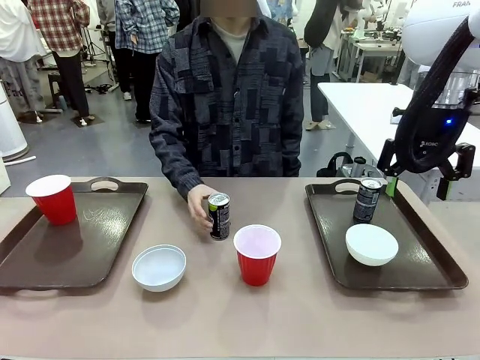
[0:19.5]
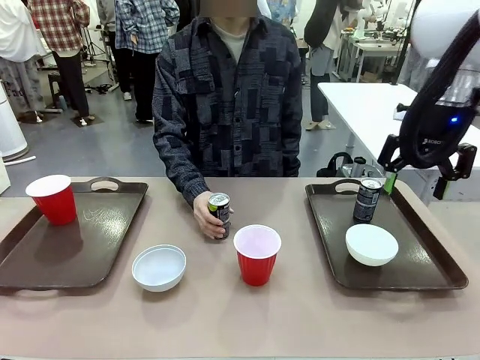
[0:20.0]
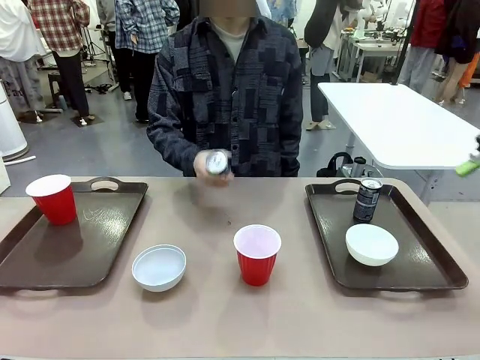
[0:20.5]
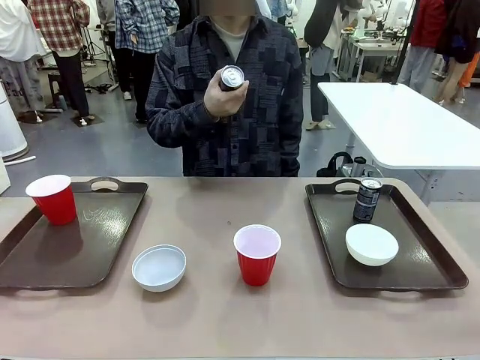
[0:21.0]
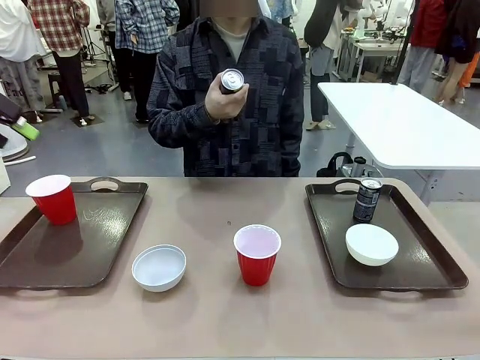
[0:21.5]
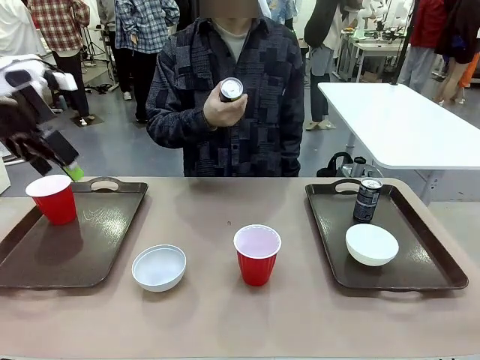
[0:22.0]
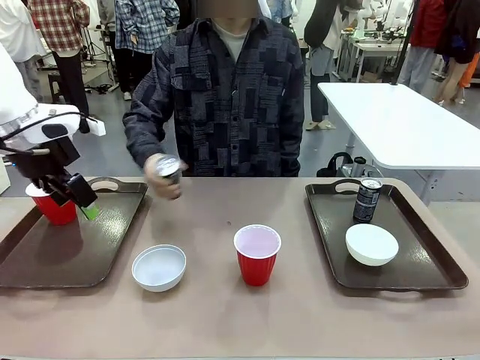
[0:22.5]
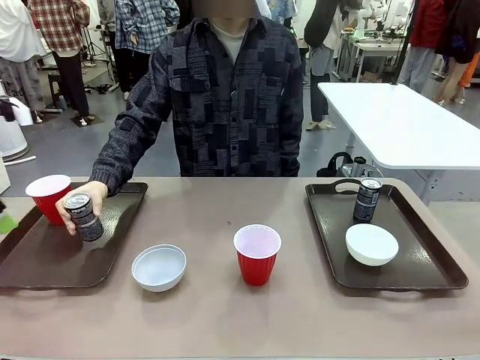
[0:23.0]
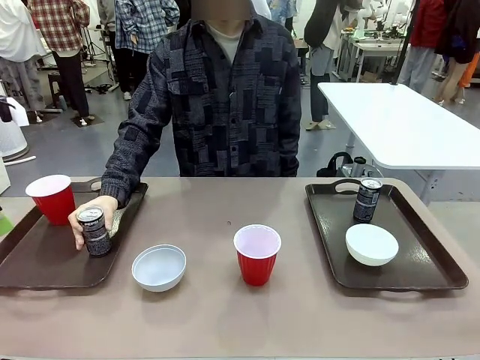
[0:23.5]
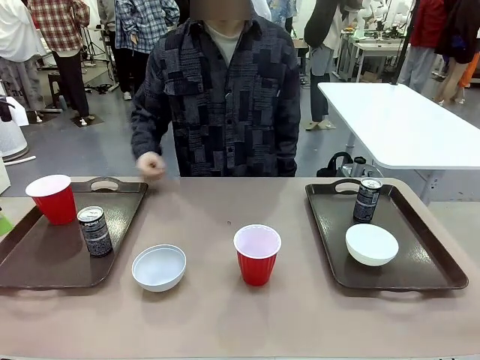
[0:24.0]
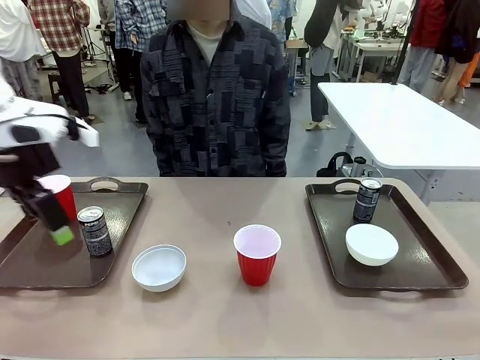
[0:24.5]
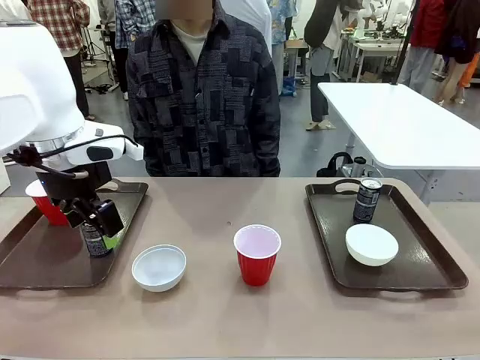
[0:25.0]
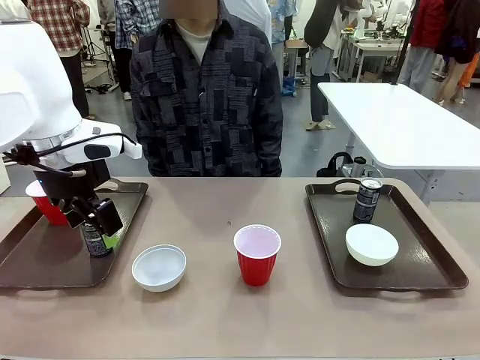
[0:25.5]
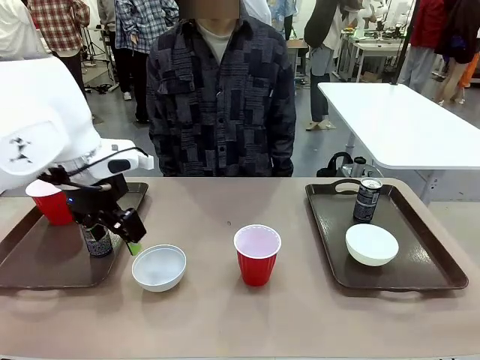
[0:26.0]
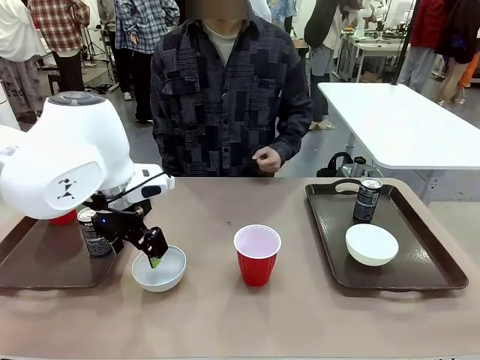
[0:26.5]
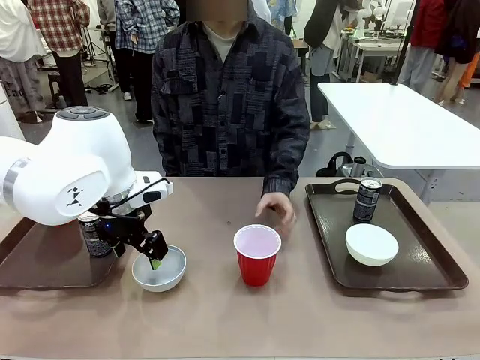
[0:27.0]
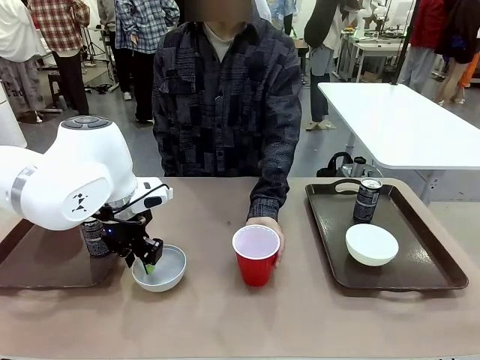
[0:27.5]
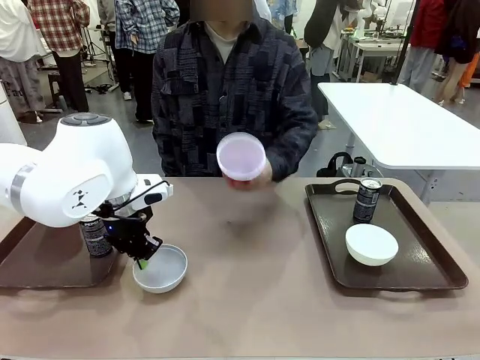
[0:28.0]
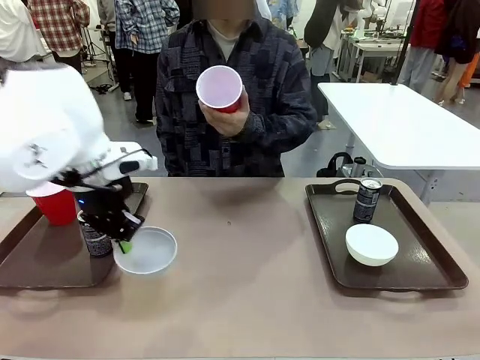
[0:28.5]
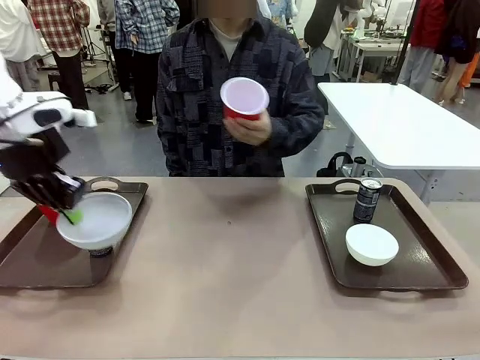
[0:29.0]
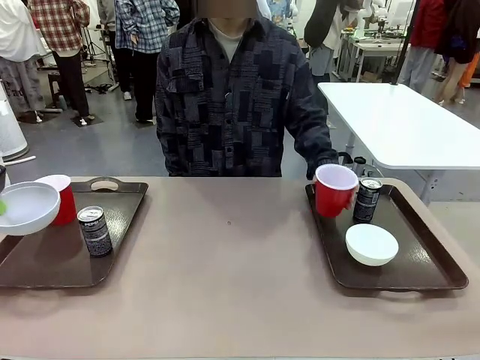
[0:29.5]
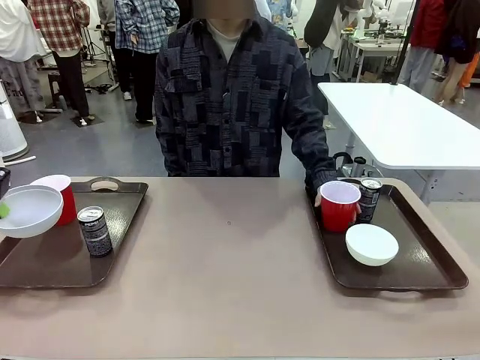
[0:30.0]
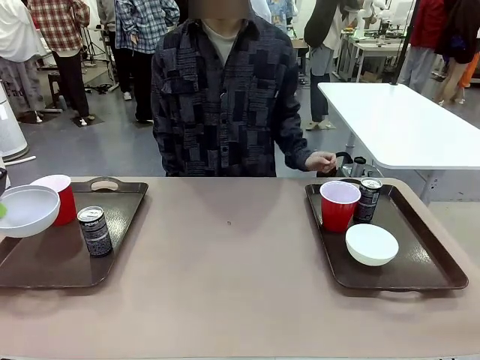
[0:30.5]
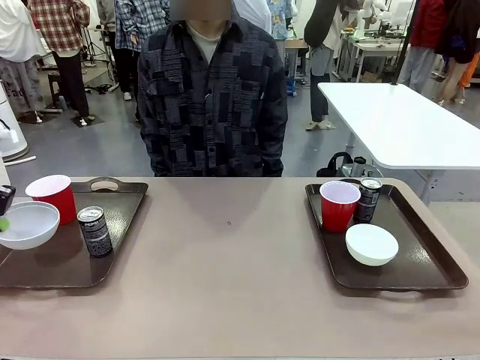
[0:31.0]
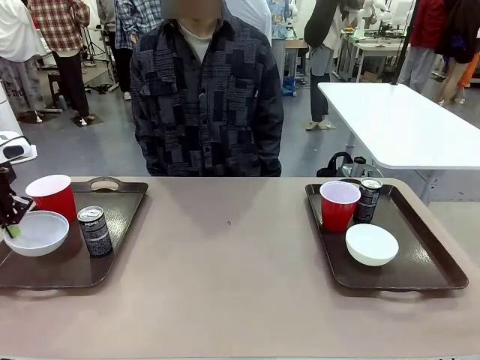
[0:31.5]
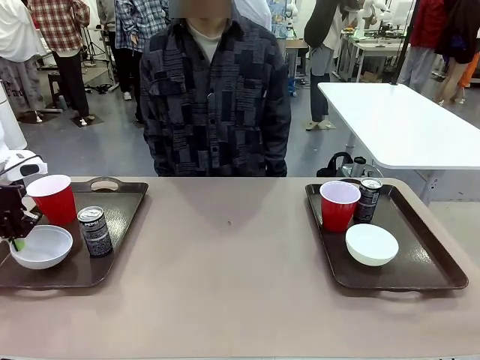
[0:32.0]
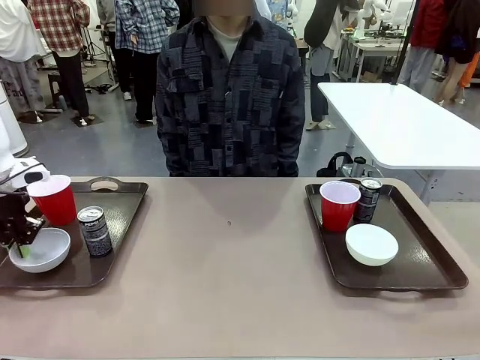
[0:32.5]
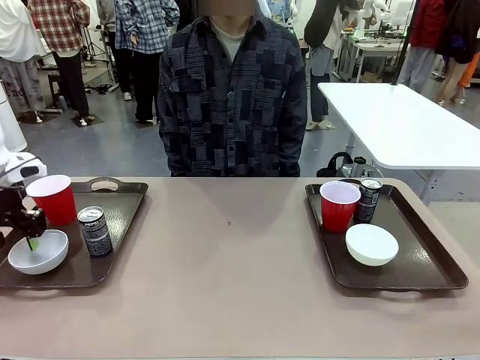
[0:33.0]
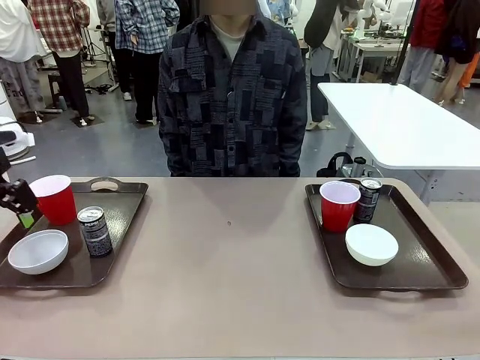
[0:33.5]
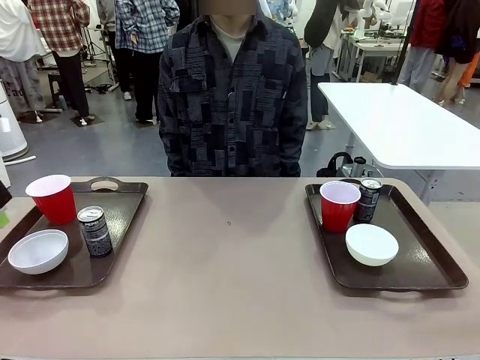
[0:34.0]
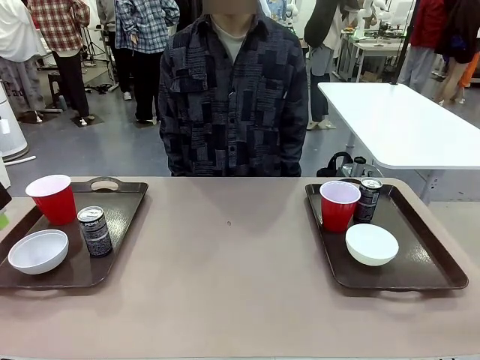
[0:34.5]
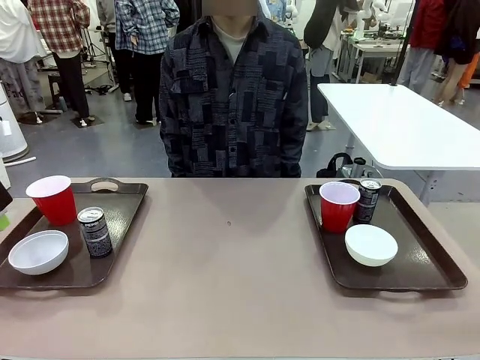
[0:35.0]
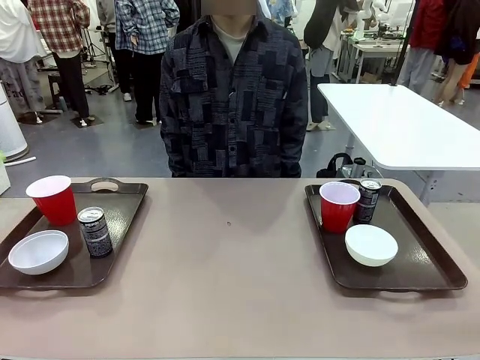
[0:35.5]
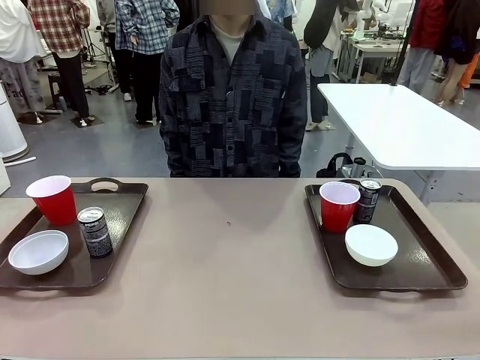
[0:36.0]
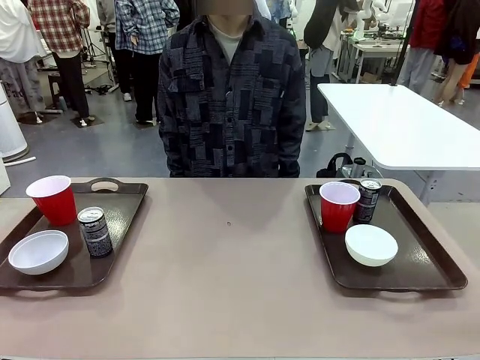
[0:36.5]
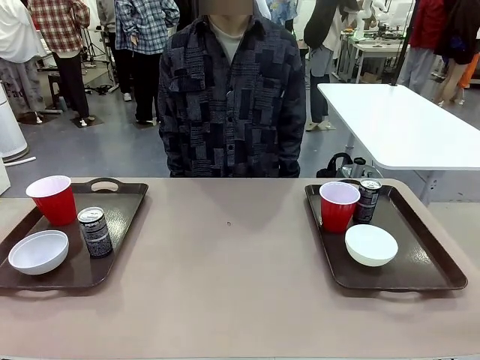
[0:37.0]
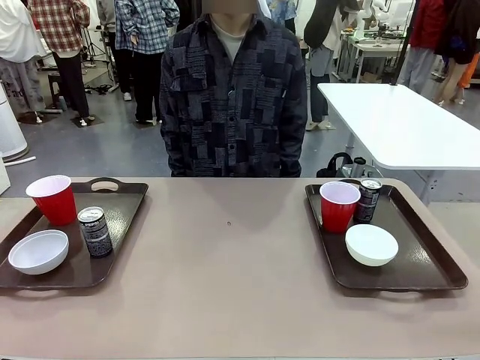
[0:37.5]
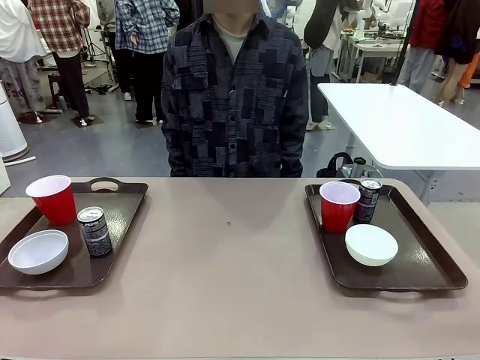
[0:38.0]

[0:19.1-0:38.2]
Task: Prepare tableware on both trays.
Robot: Pick up a Picnic Bowl from the table and place it on a Handle tray.
Person: Pick up a can or cup and place it on the tray without a can or cup.
